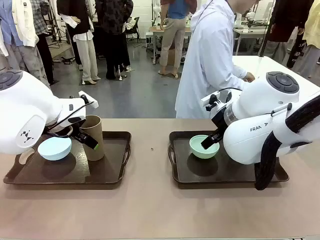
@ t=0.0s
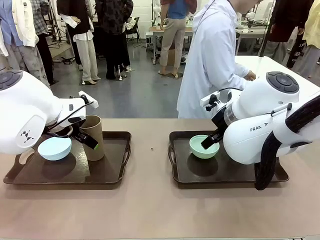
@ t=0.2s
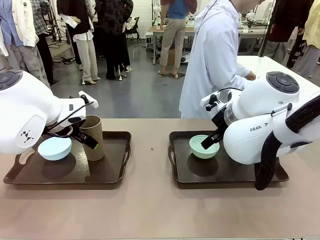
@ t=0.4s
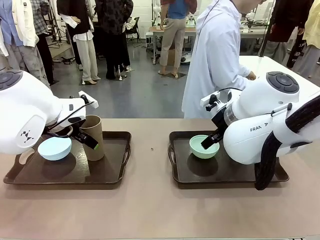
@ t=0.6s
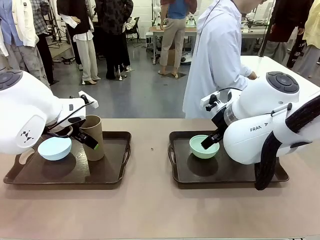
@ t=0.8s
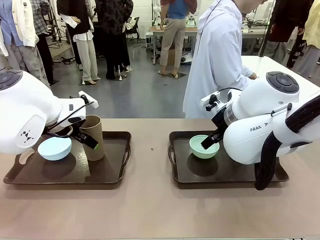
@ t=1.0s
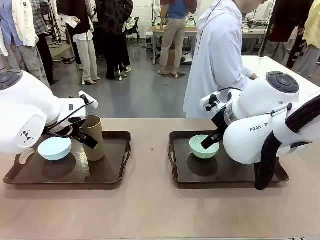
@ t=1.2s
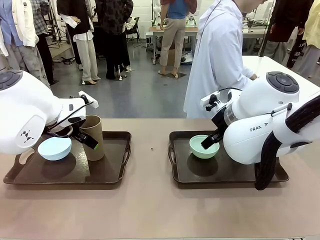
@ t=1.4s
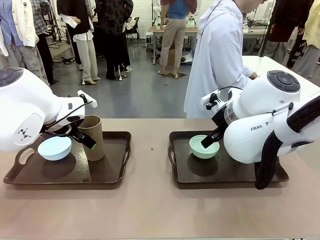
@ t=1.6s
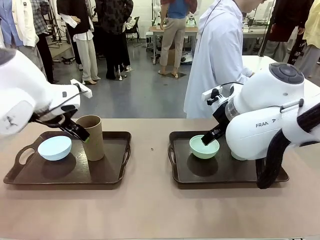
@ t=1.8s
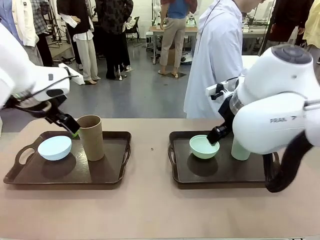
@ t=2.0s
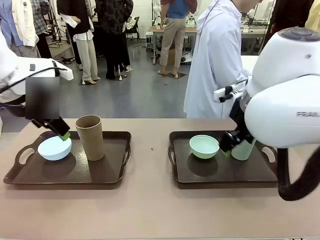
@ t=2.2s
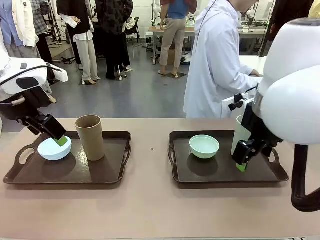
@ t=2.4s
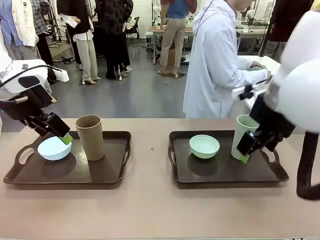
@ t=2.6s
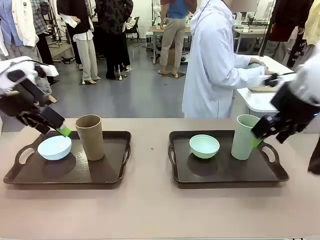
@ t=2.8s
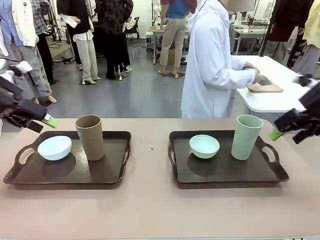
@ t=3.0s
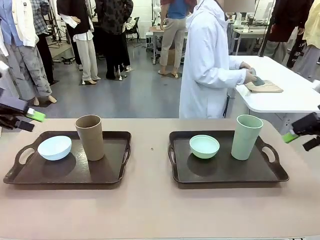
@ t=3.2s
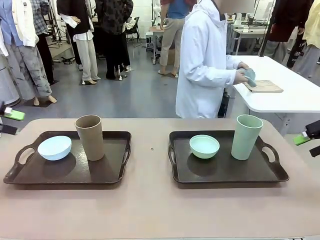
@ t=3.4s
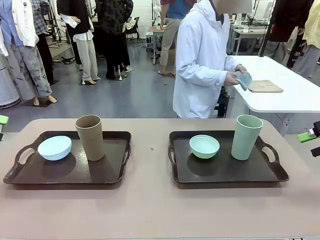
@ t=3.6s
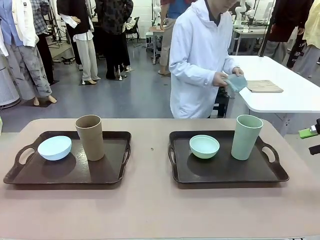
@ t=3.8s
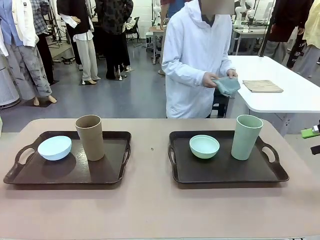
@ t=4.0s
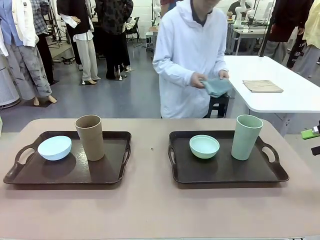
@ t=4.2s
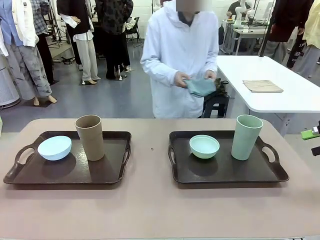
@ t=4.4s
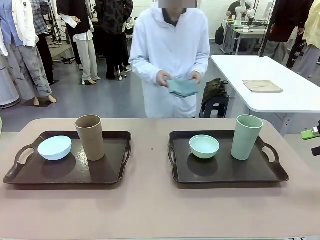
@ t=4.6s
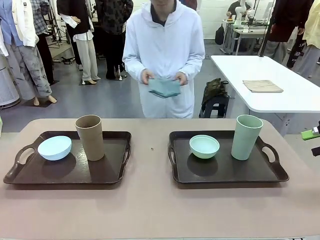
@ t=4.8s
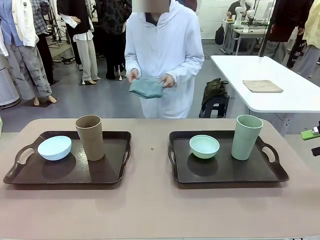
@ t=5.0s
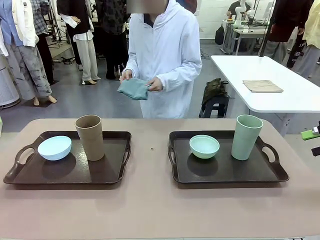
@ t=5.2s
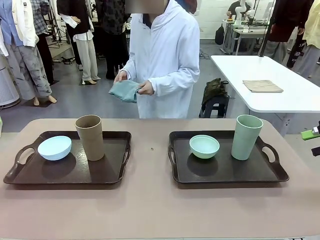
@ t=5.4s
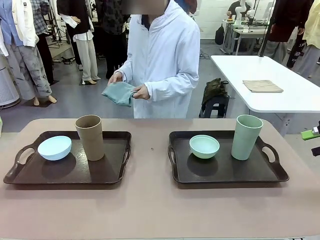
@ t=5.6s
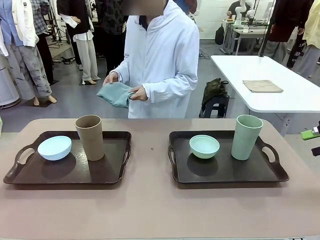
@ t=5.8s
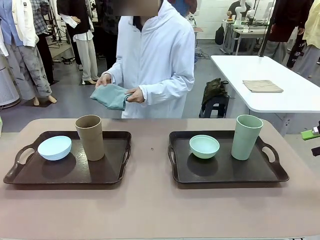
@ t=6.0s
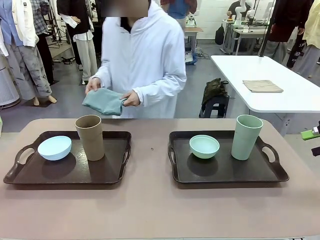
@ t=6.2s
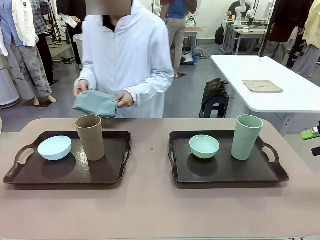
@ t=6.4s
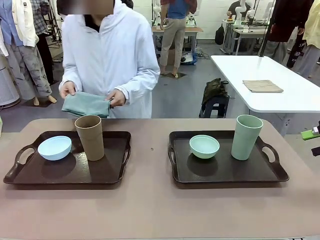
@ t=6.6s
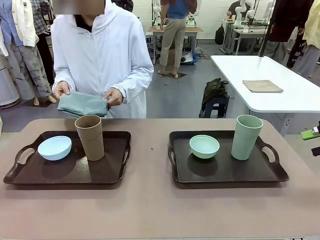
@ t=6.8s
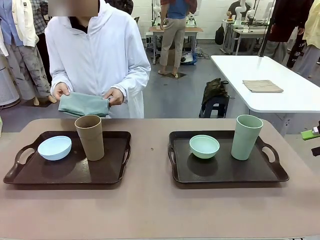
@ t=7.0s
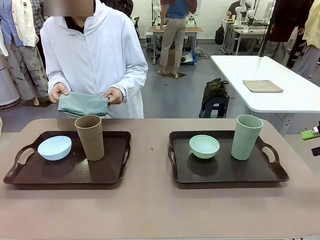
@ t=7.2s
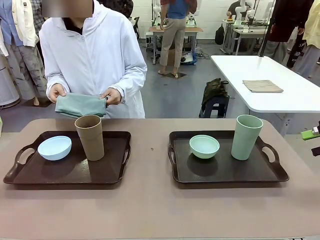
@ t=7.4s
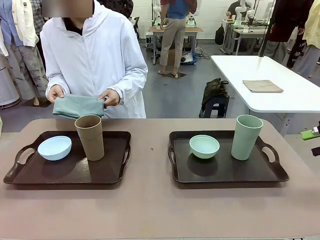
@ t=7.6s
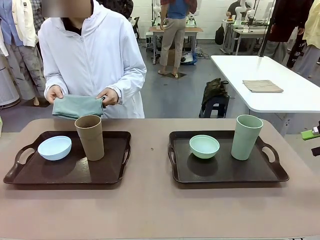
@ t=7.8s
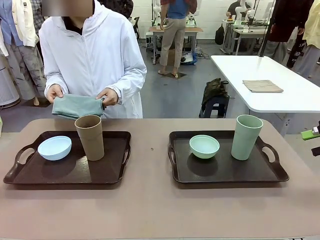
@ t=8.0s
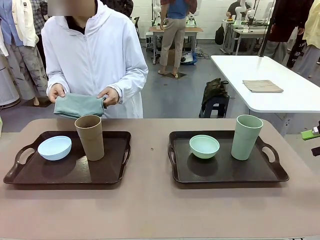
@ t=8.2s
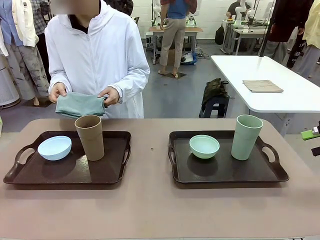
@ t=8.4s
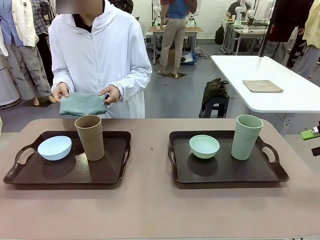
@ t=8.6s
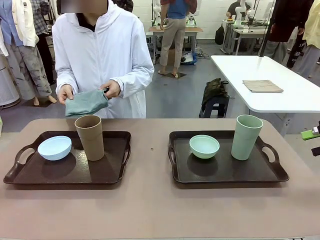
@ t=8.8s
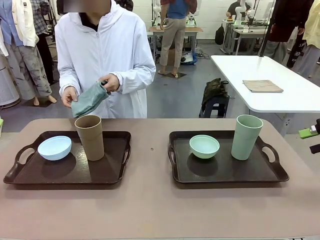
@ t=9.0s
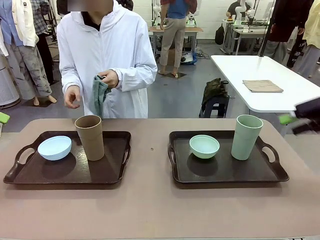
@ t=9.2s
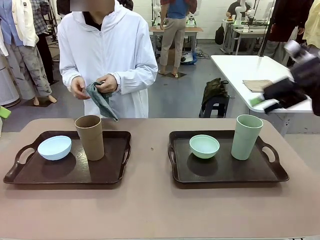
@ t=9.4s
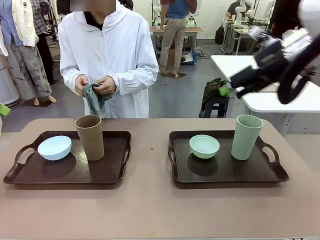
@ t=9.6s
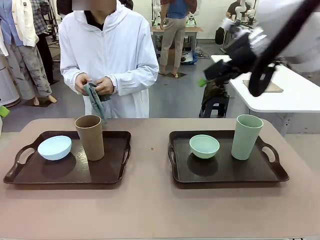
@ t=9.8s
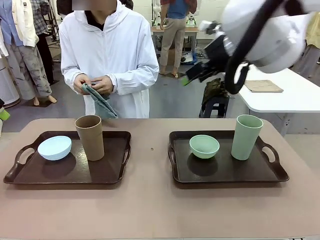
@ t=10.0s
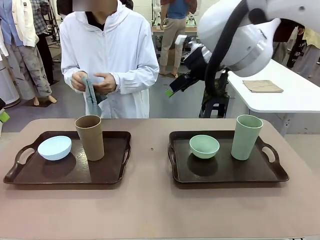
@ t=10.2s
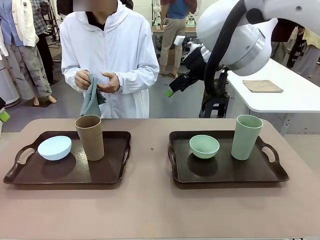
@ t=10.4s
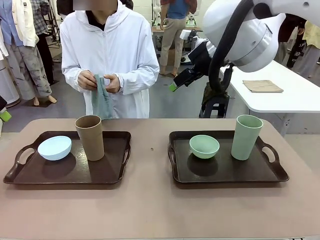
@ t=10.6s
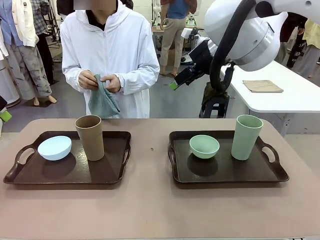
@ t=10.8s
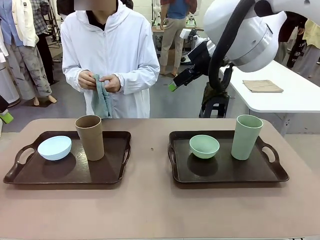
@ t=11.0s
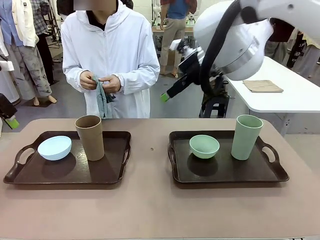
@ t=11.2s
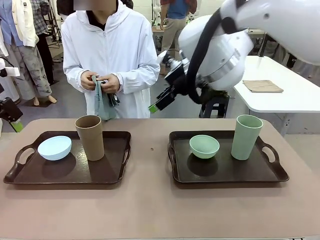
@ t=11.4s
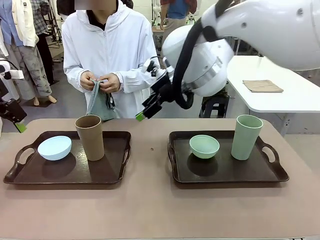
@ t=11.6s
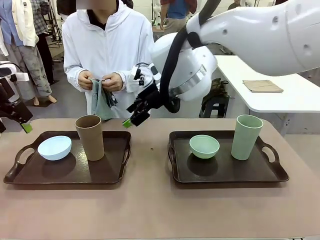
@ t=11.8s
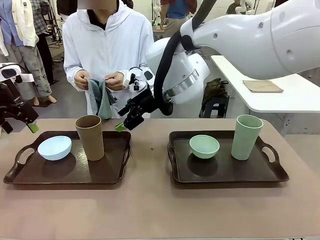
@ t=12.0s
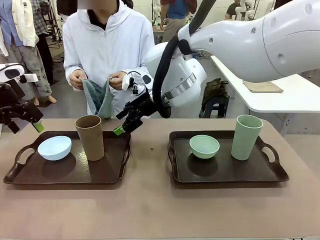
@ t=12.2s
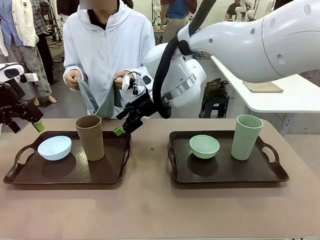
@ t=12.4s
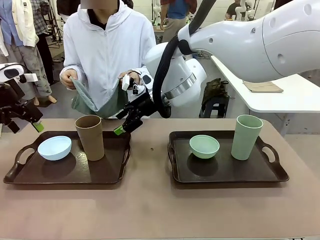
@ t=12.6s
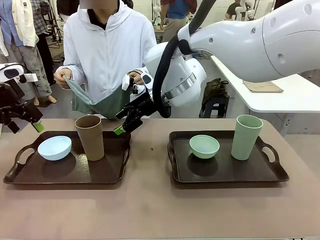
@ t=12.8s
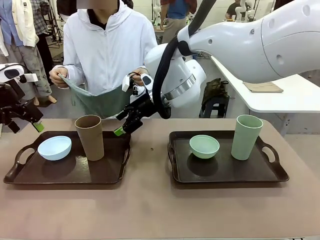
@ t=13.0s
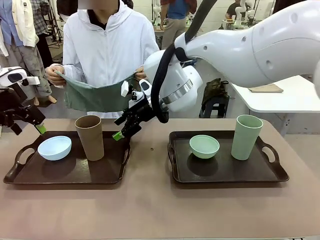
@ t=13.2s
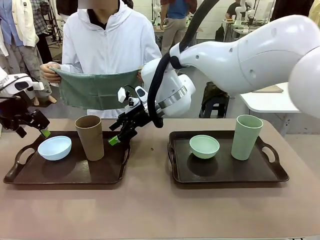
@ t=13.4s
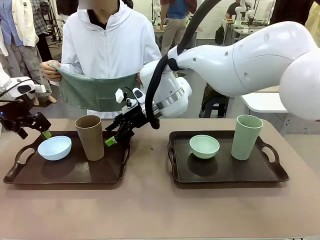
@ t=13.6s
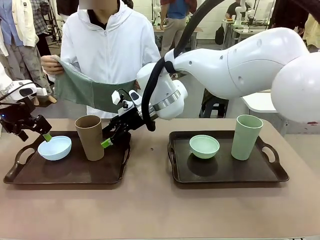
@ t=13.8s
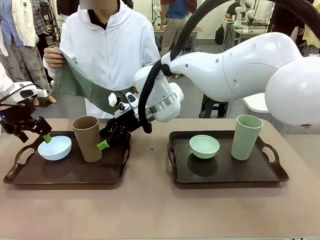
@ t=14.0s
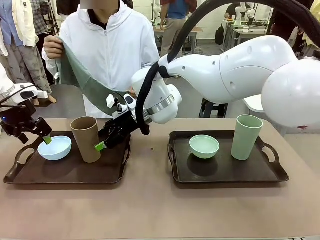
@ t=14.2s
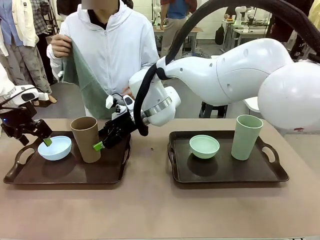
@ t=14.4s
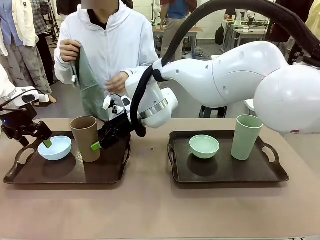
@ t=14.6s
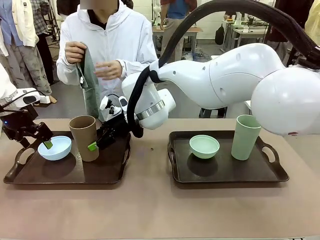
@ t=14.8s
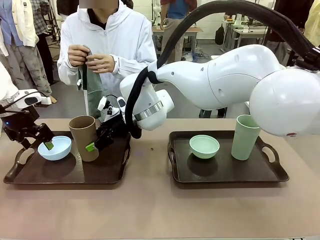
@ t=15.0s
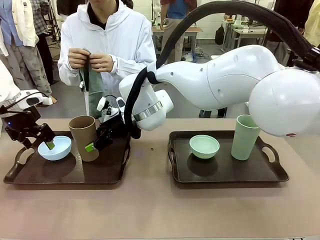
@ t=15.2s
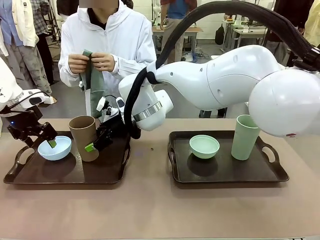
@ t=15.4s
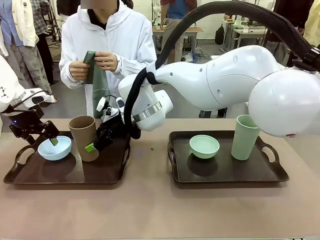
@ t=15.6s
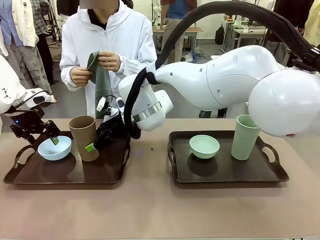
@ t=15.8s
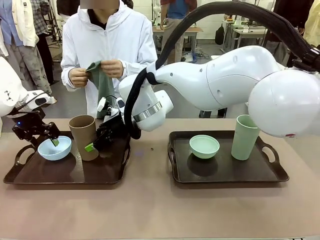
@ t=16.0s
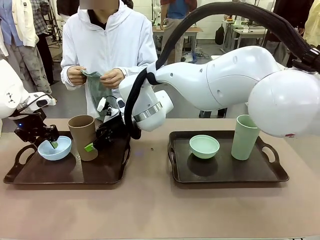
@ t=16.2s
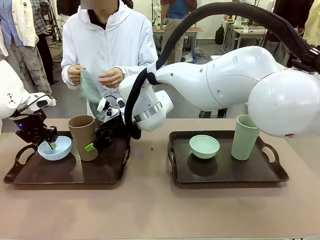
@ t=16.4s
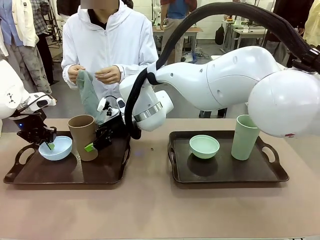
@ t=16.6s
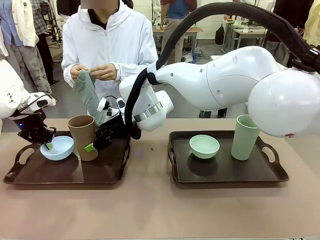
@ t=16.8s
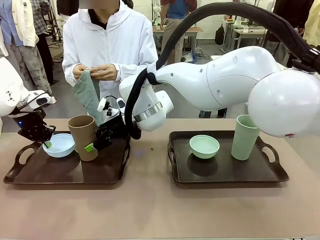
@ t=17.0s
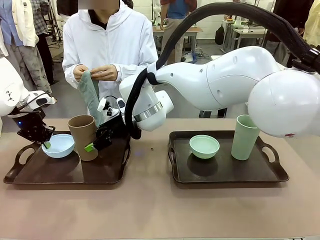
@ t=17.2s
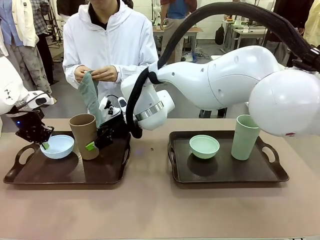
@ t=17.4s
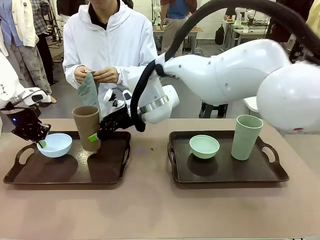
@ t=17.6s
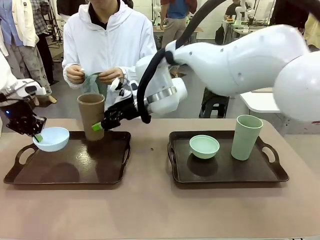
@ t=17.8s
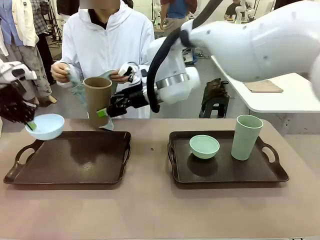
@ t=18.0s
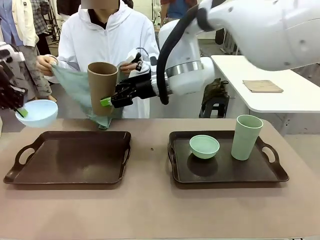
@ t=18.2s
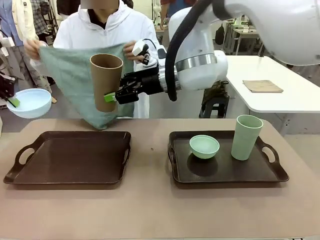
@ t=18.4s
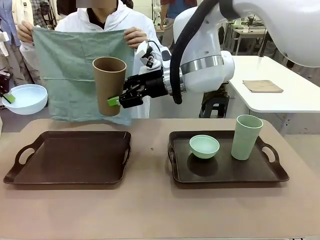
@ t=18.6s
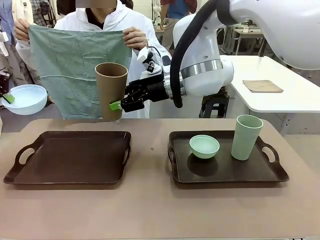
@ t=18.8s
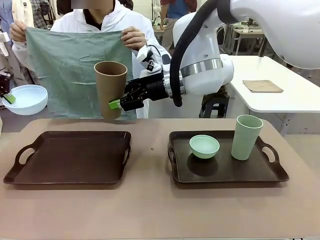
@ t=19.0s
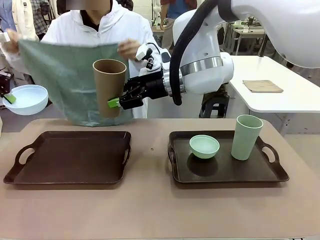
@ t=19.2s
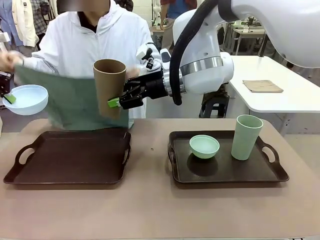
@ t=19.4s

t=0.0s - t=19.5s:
Robot: Pick up the Picnic Bowl and Reusable plastic cup from the Handle tray in front of the human's position and hold them in the air.
Person: The human picks up the top napkin from the stack on the human table and walks to the robot table to stand in front of one of the two trays. When the robot lifts the bowl and the cup, the human unfolds the napkin and lays the napkin flat on the tray.
